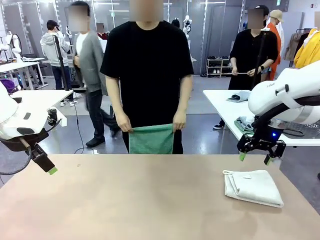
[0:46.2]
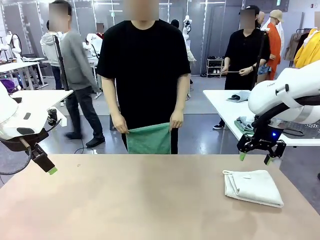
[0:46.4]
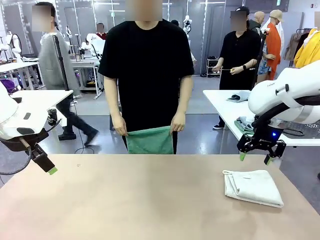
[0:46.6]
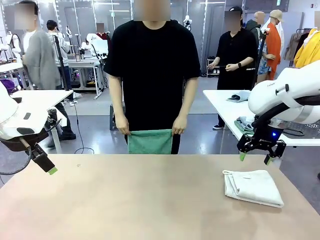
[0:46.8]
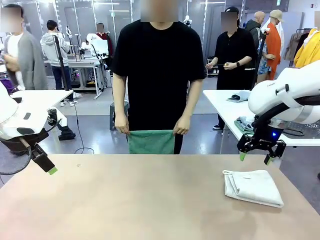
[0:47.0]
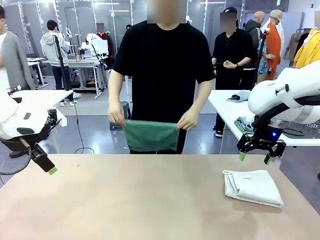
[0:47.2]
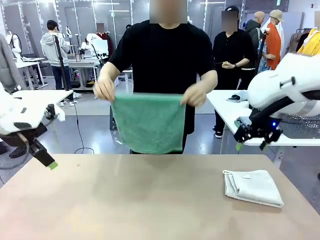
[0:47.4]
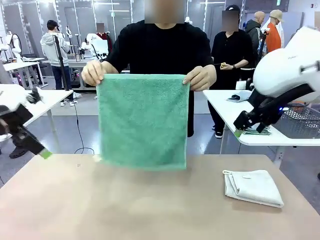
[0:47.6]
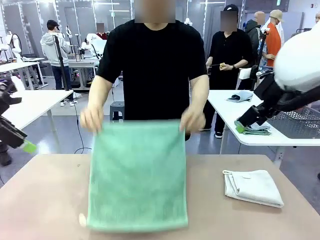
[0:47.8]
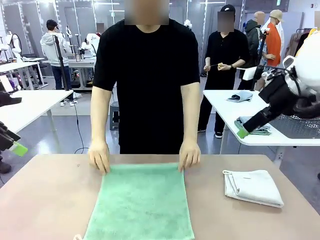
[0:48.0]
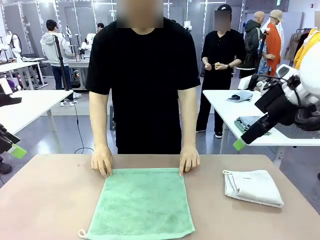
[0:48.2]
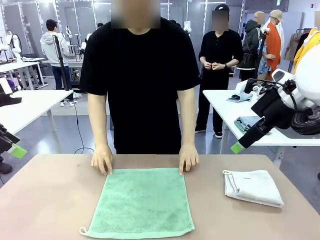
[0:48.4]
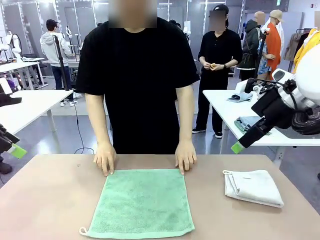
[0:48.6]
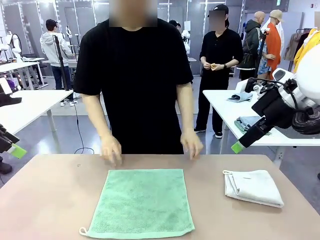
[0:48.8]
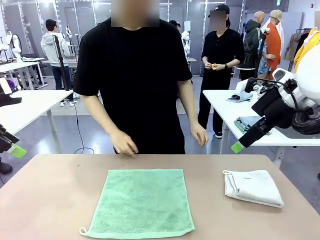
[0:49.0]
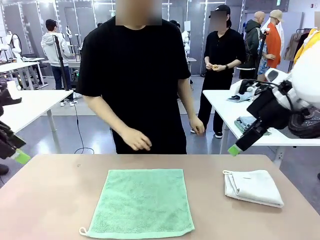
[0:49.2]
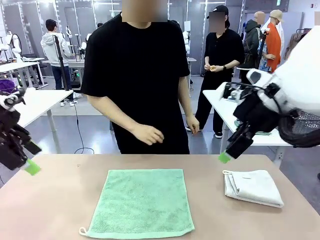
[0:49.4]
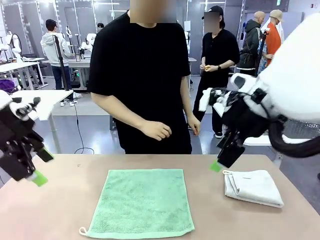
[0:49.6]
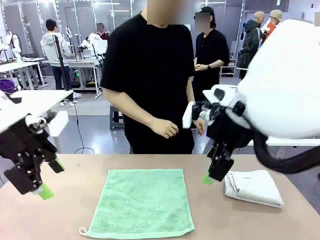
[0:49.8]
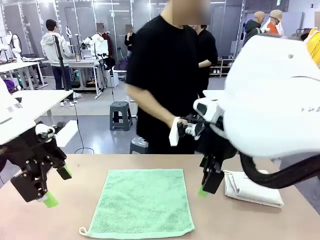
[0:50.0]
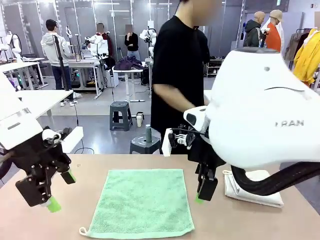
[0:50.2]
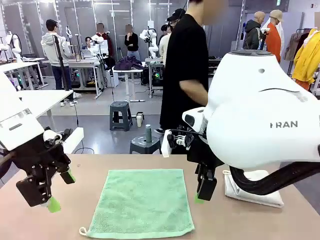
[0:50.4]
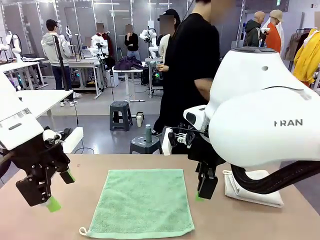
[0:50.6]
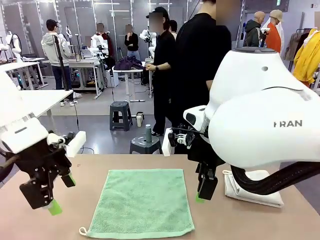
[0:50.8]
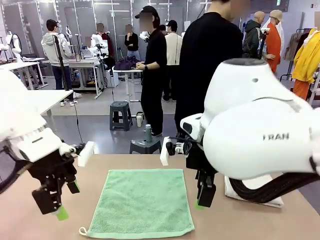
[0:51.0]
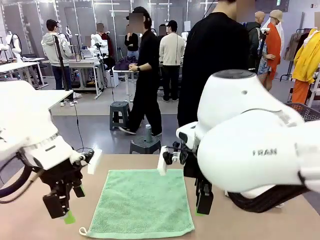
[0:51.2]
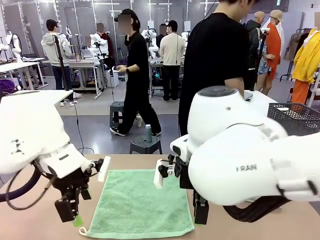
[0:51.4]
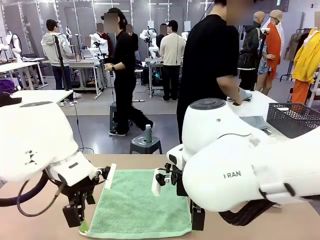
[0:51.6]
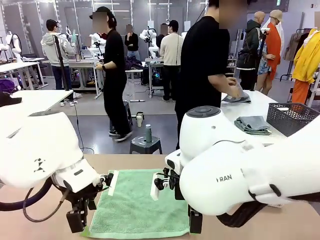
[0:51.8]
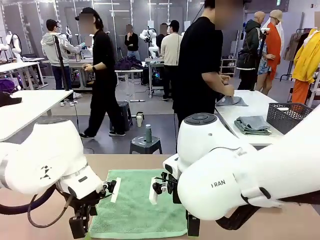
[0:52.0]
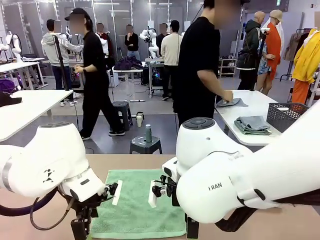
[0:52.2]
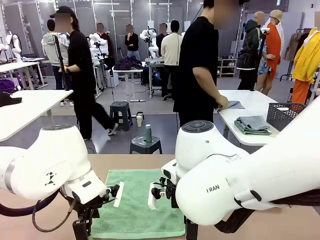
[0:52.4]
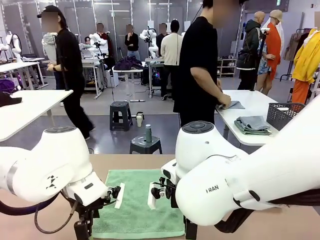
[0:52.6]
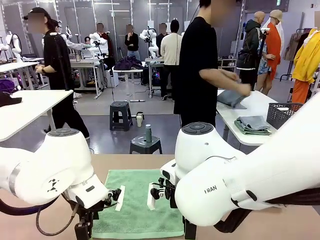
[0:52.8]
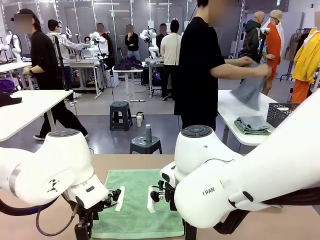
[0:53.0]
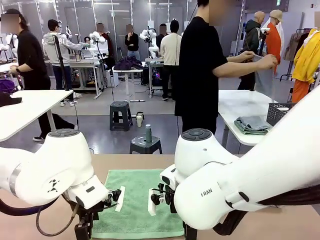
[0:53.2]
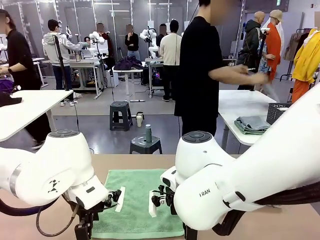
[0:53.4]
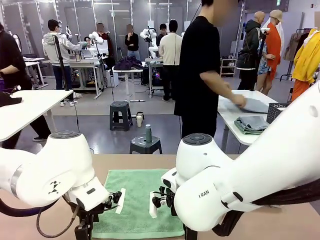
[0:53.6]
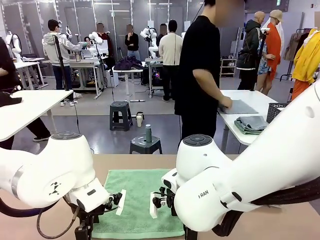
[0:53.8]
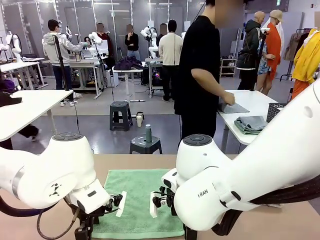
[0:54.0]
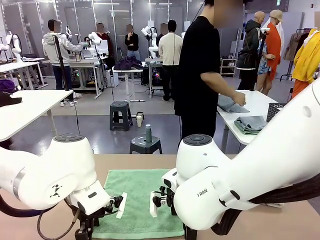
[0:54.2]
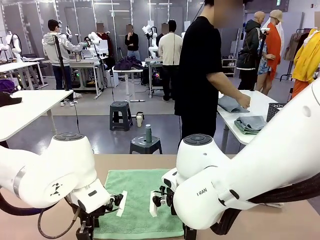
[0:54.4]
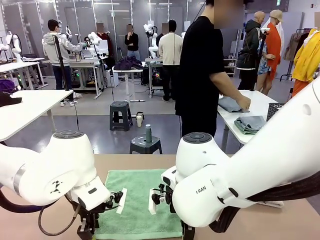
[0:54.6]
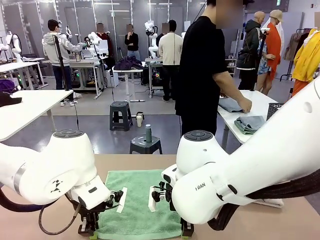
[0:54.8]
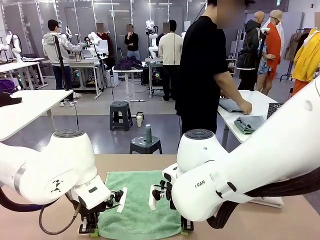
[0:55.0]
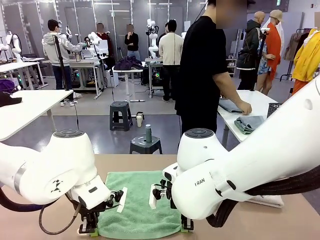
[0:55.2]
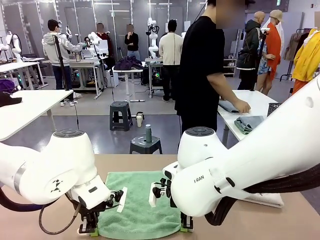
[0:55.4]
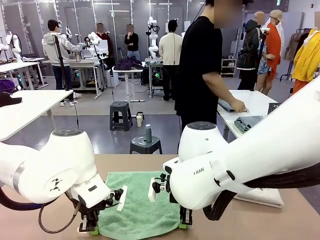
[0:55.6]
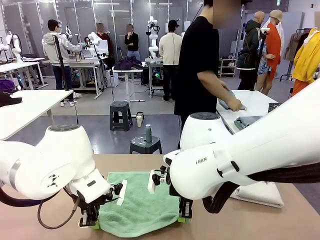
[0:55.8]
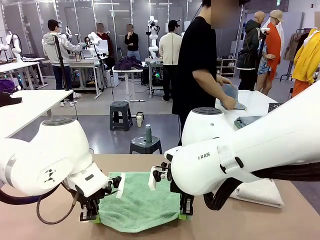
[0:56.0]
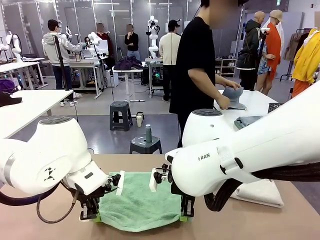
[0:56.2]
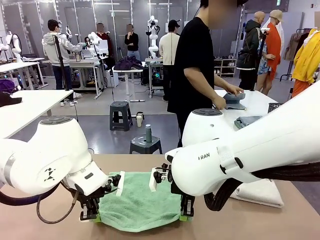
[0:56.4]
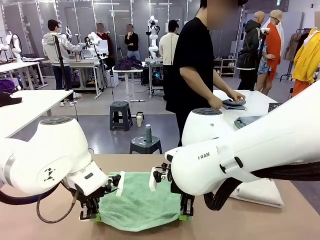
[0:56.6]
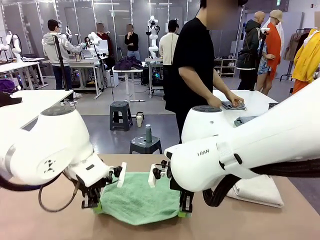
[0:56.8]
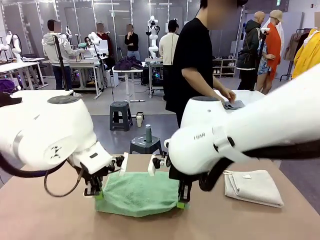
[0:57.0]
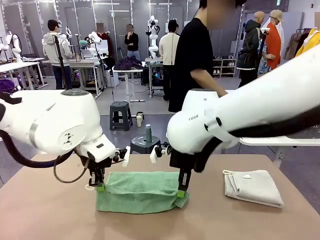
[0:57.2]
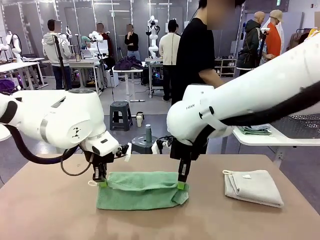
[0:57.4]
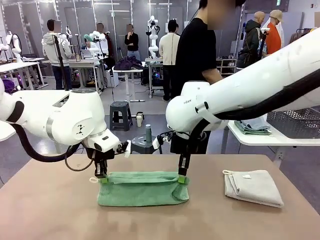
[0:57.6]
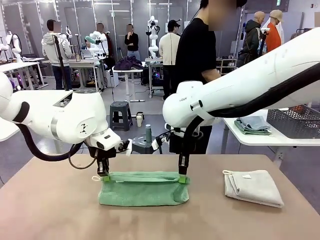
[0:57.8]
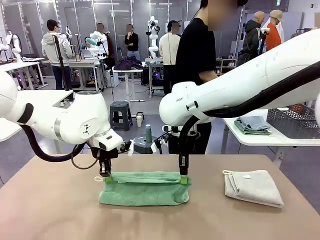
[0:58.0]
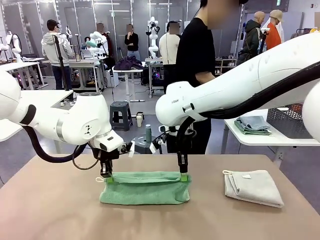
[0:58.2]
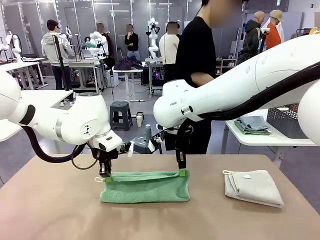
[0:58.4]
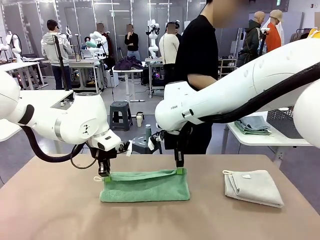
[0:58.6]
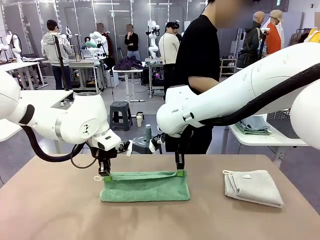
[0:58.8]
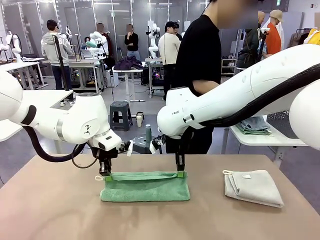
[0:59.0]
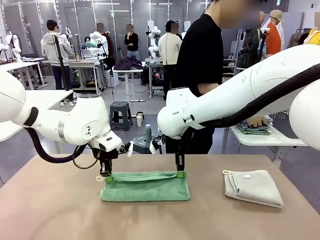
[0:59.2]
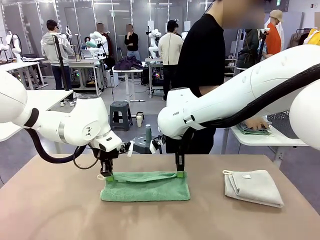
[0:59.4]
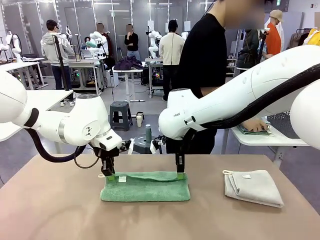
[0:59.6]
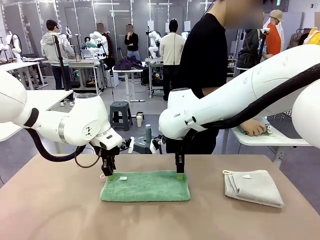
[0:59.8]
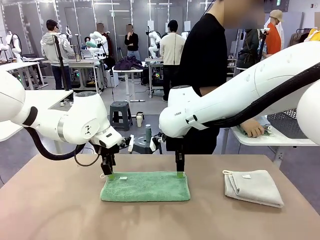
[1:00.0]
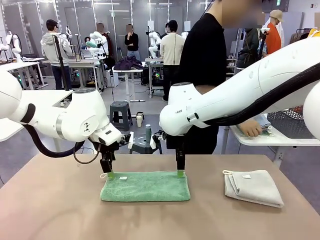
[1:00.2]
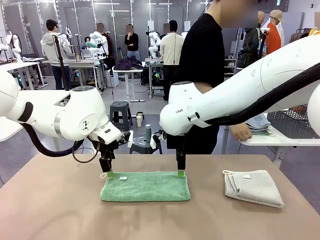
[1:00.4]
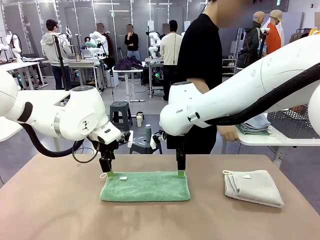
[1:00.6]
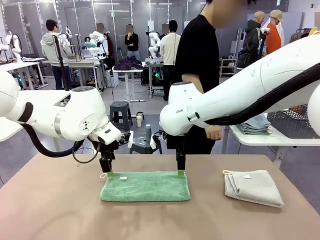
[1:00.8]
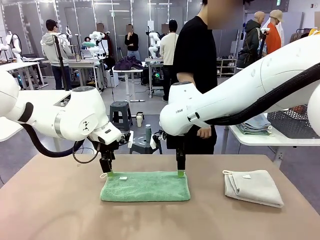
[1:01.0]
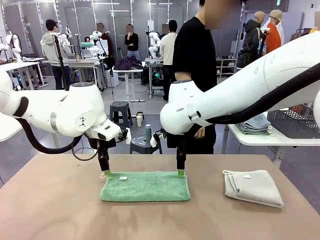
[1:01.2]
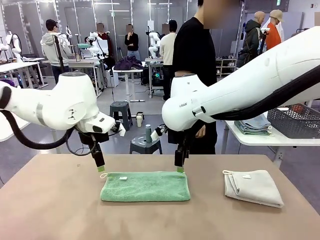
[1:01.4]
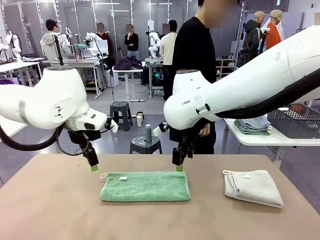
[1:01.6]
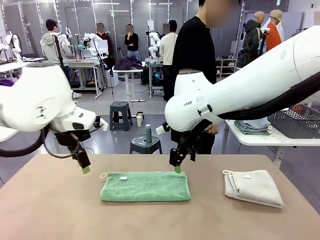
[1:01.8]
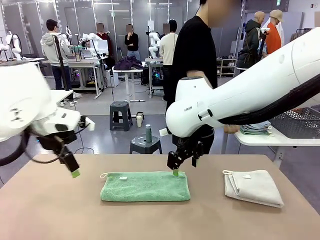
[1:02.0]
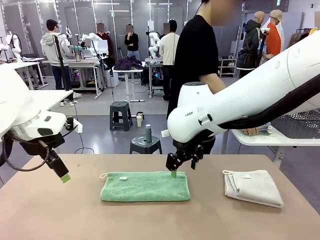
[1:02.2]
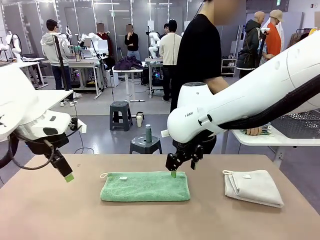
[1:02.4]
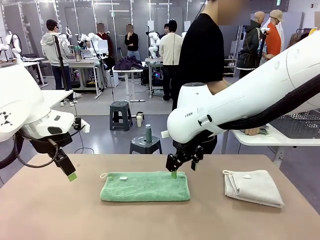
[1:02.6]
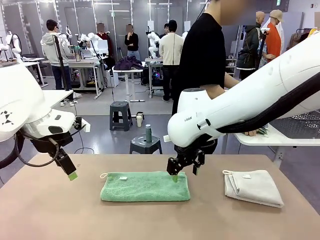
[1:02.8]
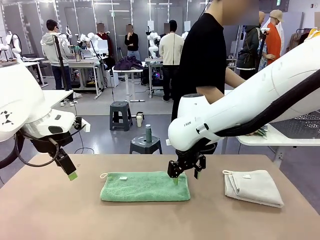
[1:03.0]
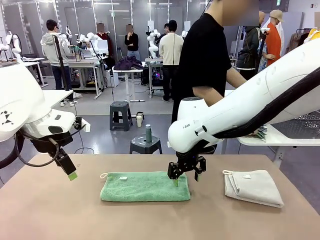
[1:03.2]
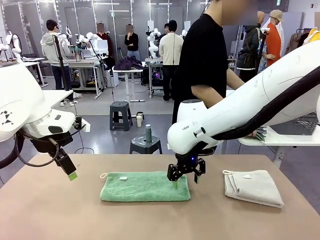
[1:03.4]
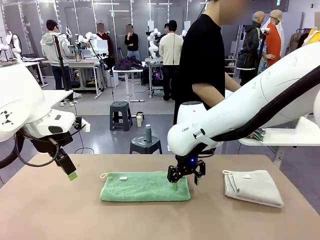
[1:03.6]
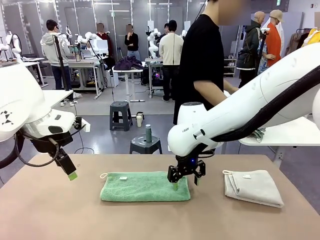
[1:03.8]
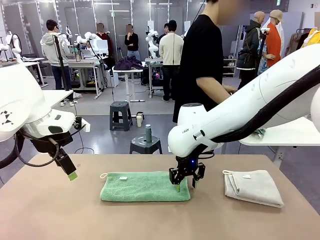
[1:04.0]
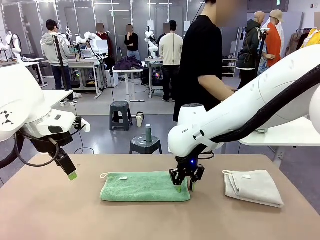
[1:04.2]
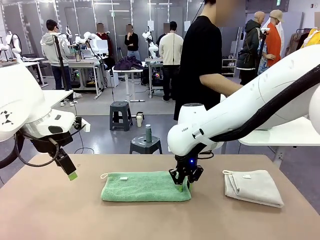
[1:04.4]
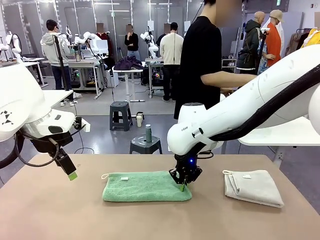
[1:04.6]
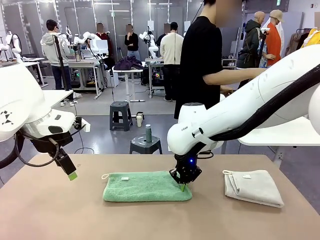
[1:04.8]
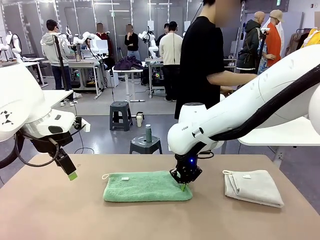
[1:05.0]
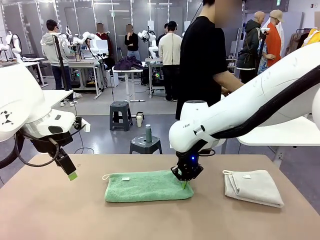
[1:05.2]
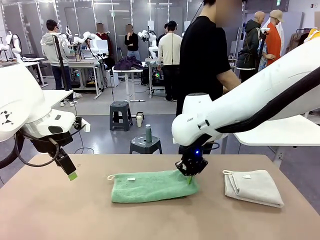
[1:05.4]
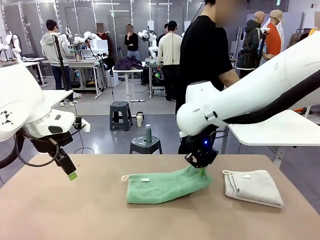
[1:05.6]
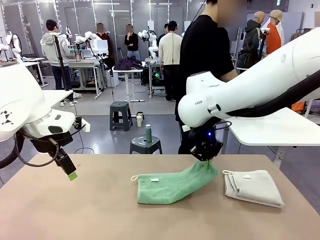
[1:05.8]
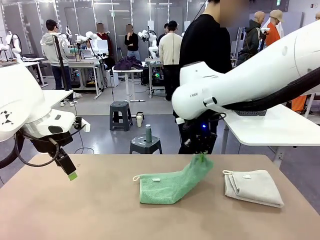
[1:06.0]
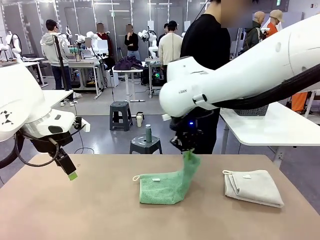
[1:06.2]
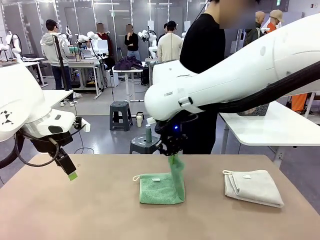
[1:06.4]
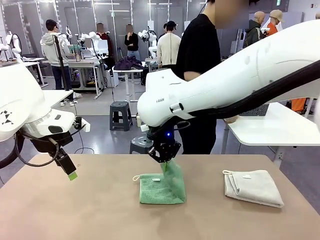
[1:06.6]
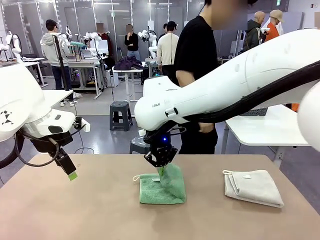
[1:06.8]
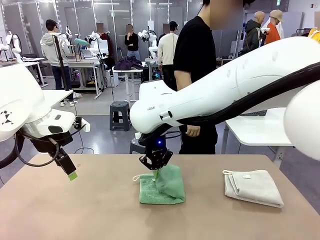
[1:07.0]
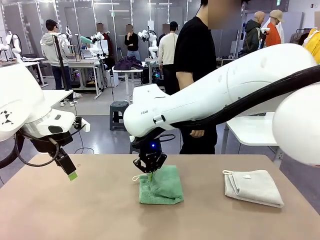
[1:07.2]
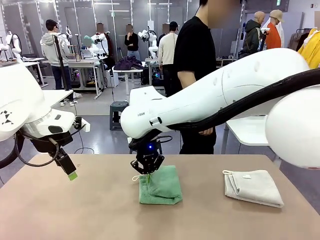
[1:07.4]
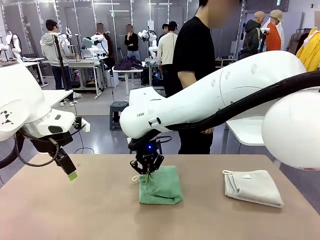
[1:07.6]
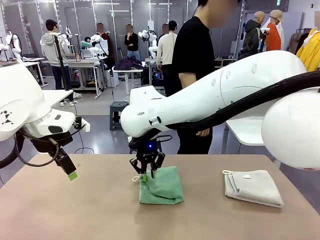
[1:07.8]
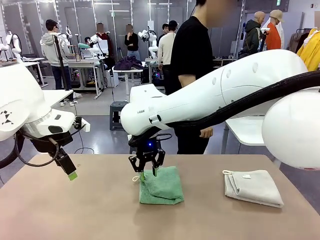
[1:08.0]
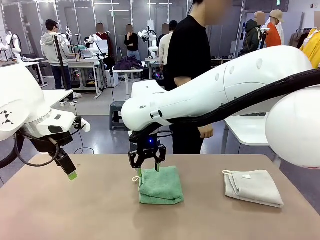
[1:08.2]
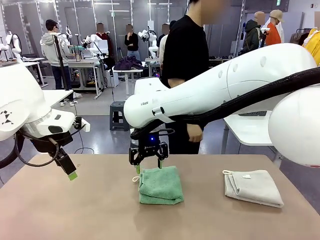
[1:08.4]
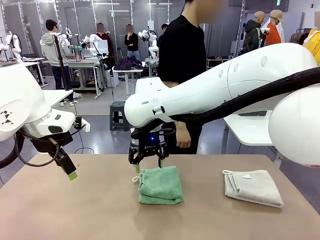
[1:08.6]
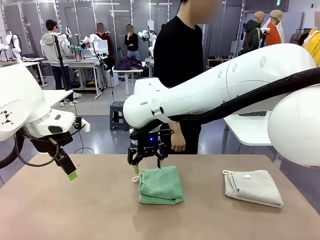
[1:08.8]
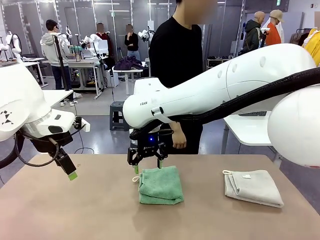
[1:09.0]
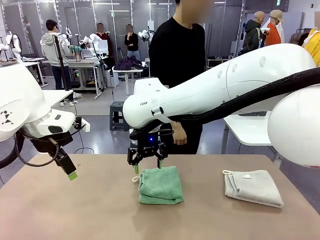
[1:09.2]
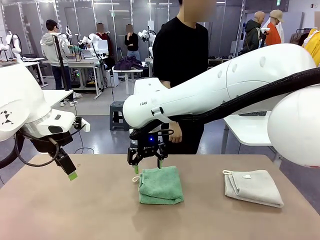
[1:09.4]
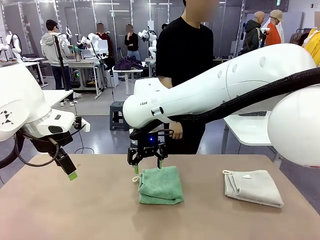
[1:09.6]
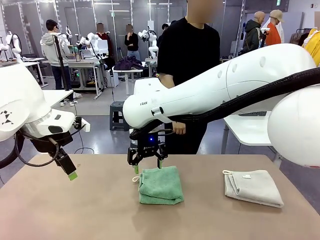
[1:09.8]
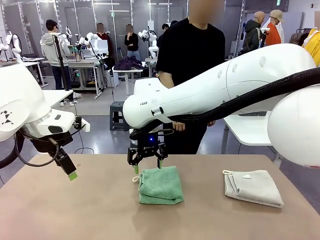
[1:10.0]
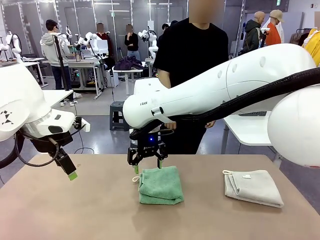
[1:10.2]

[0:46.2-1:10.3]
Task: Fold the towels and place them in the basket.
Robot: When a person lays out a Towel with hook on the table, fold it in half twice.
Person: Pick up one towel from the left side of the human table, fold it in half twice, and stack it on the right side of the table. Pick up the stack of towels from the right side of the human table, place it into the basket, and put the basket at the center of the table.
